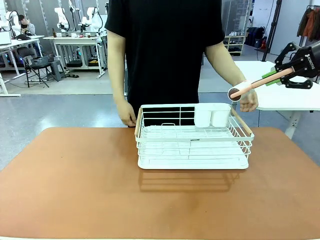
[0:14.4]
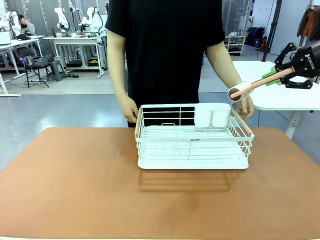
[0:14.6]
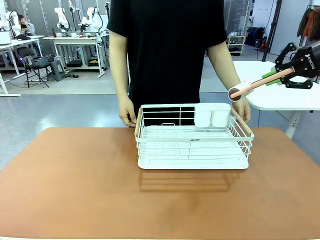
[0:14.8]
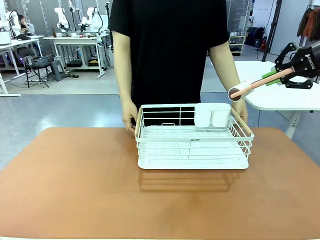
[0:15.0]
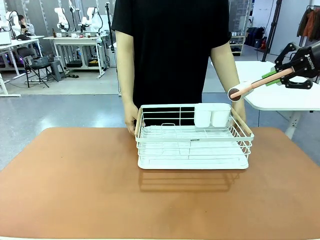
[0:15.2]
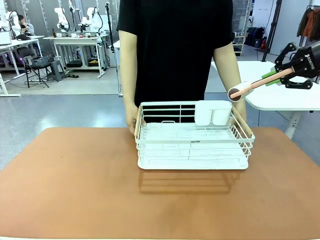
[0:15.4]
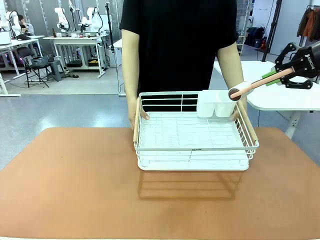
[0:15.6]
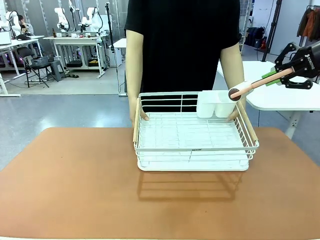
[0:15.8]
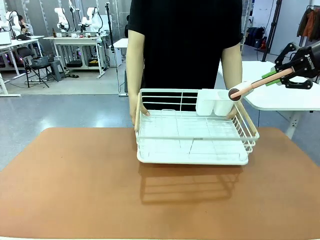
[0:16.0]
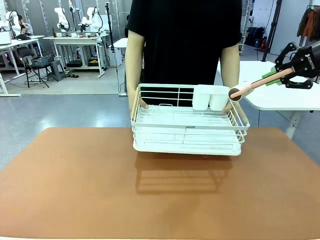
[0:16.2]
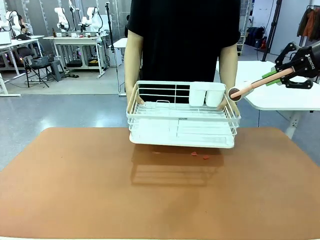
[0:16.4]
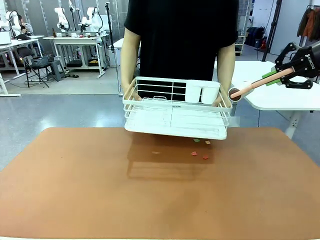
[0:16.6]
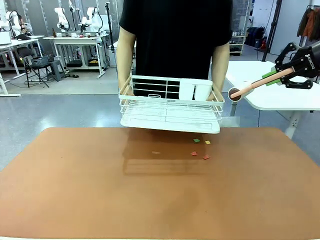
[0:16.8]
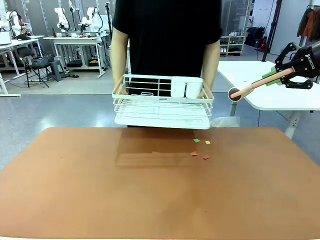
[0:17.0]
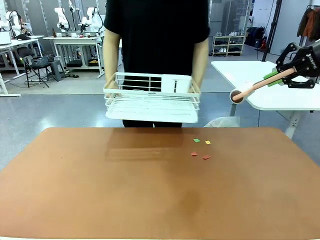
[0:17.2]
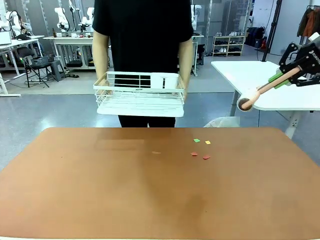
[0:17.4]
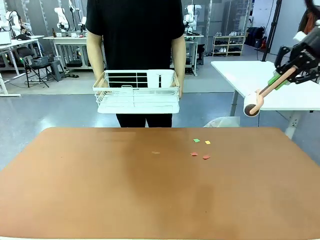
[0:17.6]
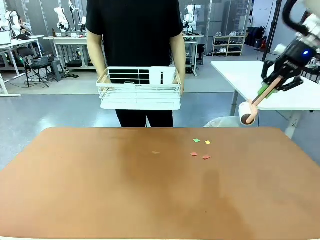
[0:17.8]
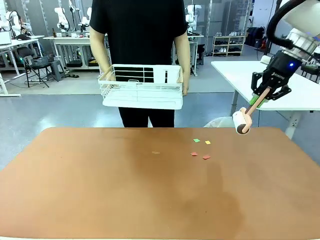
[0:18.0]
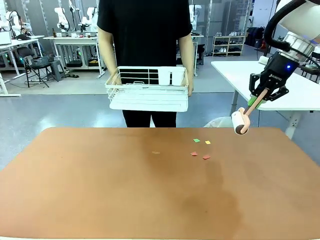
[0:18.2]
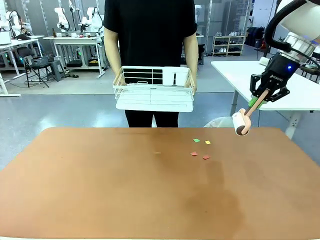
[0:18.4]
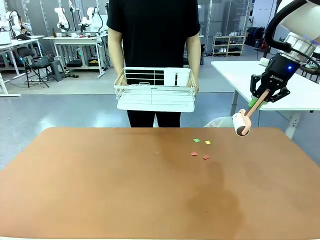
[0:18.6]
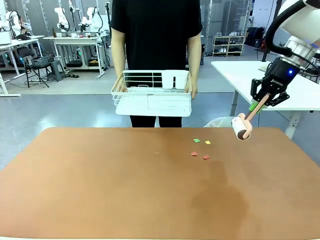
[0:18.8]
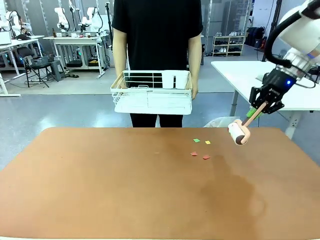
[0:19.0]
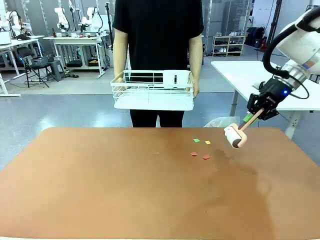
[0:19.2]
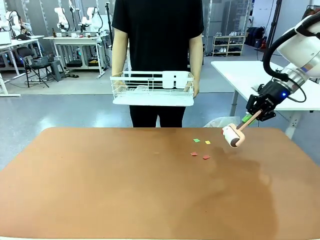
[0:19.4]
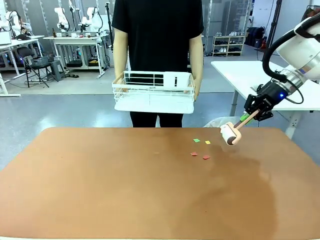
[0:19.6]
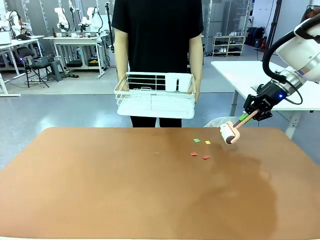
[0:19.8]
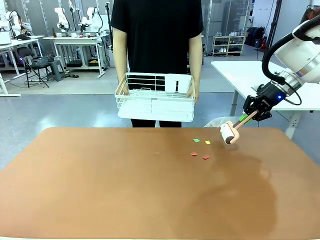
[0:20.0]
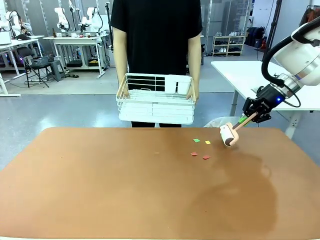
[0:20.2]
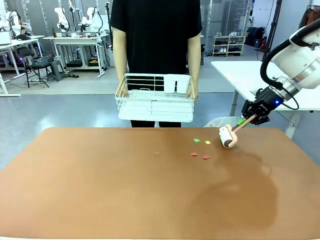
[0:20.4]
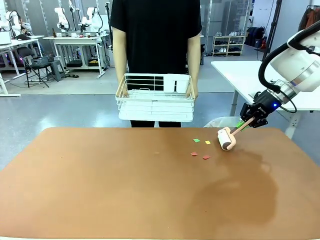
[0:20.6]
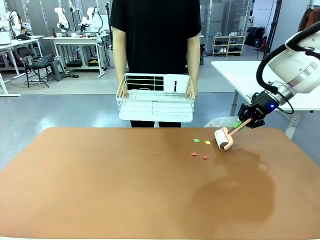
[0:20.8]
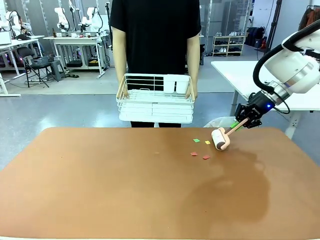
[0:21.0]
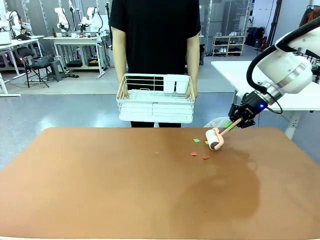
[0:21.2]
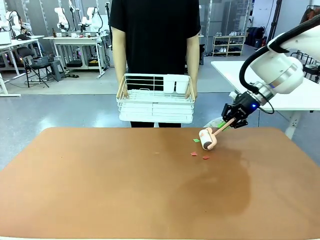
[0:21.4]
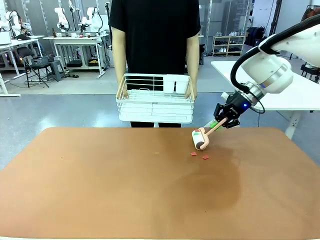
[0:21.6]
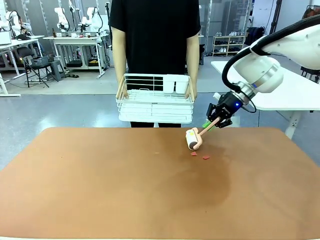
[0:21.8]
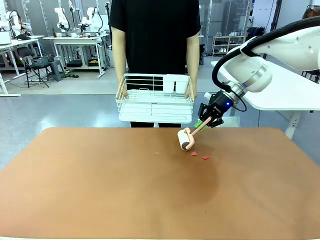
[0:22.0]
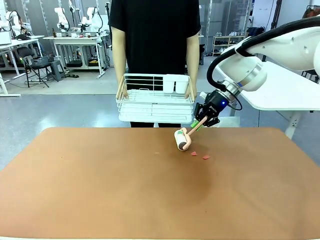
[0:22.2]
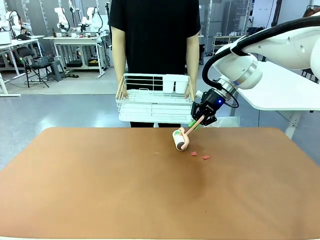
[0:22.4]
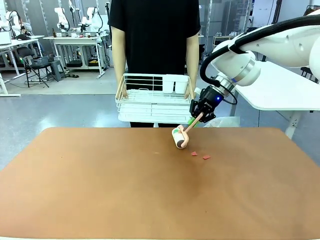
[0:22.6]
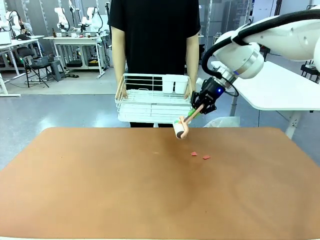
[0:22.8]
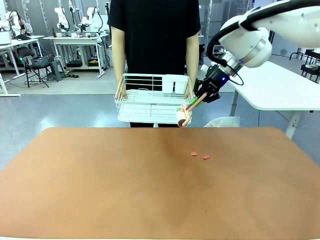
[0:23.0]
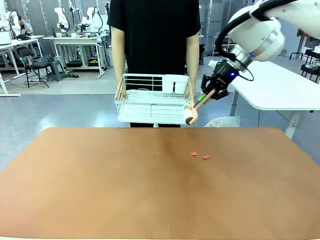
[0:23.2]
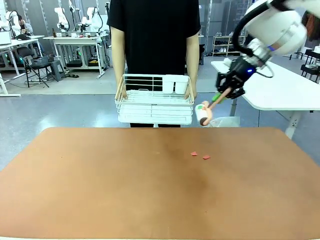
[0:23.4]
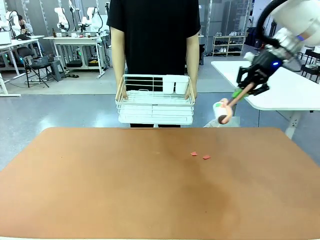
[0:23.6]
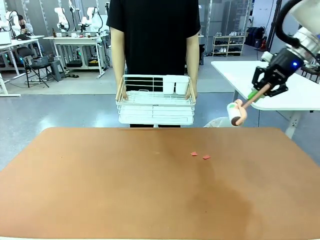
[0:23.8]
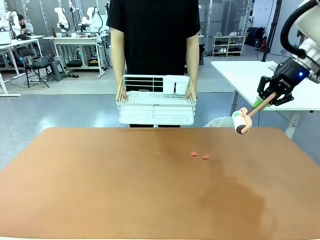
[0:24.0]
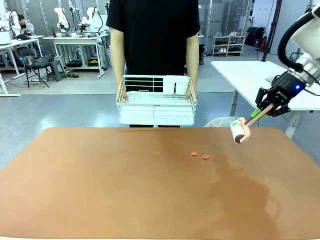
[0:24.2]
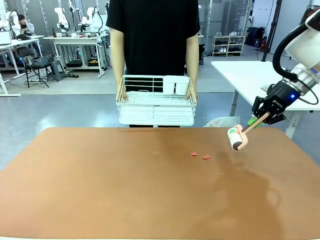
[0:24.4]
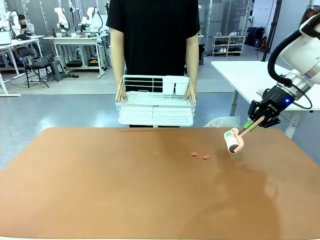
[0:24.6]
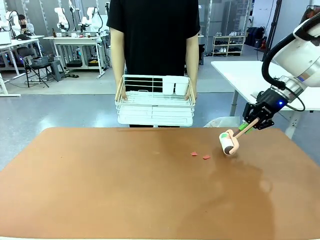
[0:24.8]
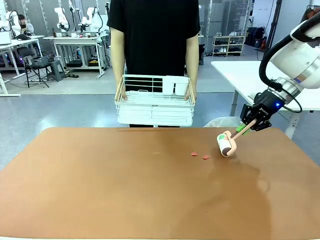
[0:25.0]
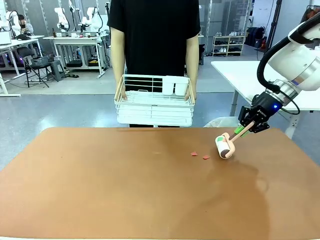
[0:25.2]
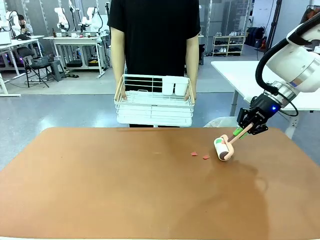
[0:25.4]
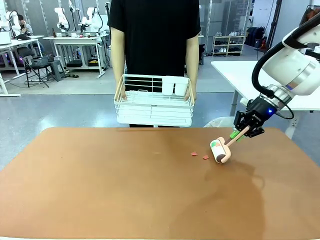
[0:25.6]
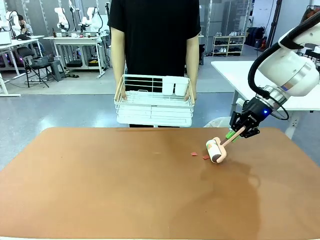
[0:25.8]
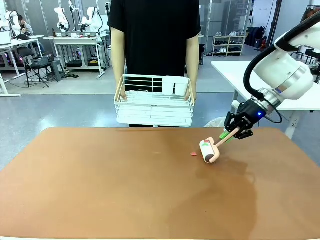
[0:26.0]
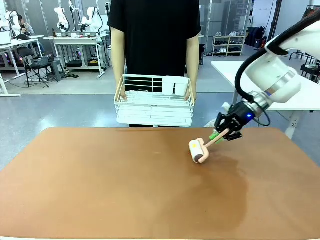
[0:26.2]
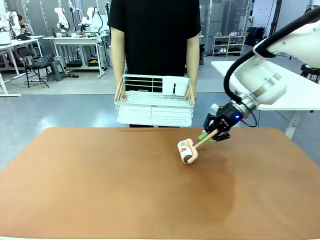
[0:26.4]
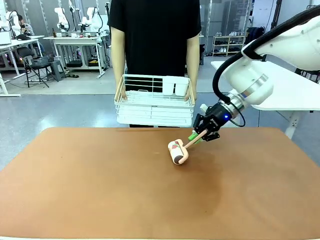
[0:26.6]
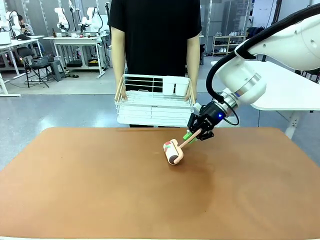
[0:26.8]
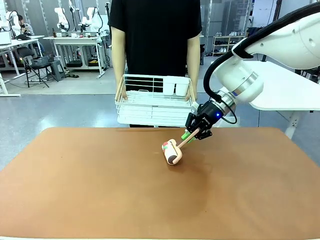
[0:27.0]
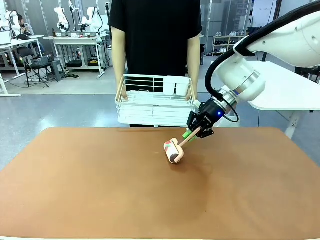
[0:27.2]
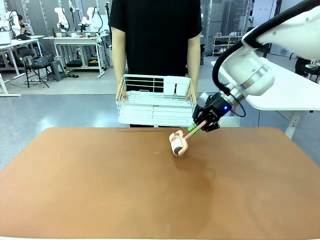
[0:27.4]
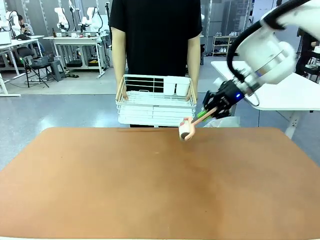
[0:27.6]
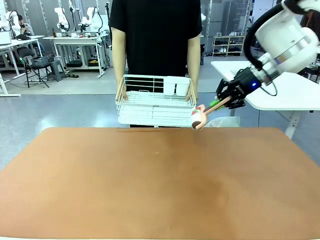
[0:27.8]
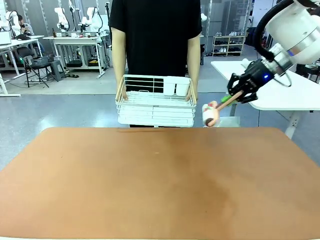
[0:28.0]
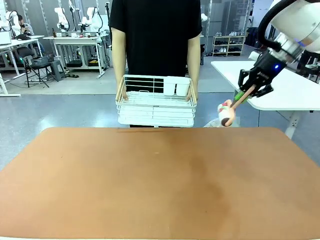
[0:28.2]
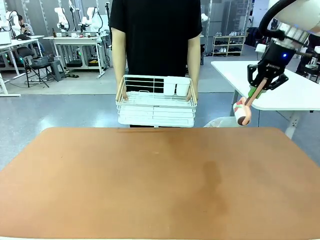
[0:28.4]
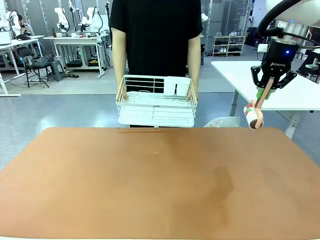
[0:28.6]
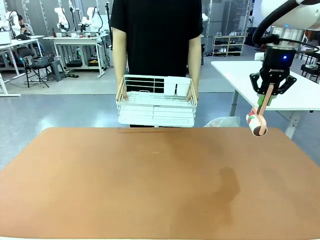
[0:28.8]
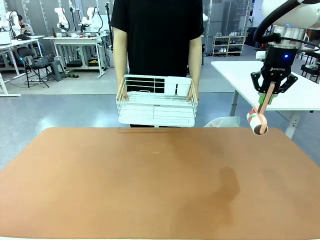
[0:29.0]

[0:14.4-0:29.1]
Task: Clean the table.
Robot: Clean the table with the Lint Roller when the human lifts the Dish drying rack.
Person: Place the Dish drying rack down when the robot finishes cleaning.

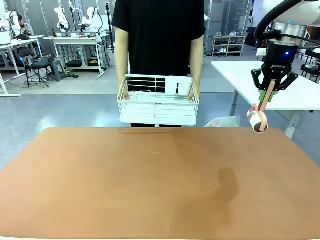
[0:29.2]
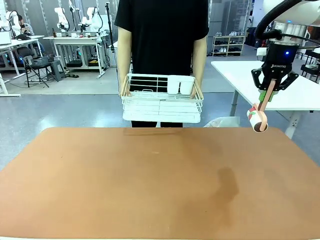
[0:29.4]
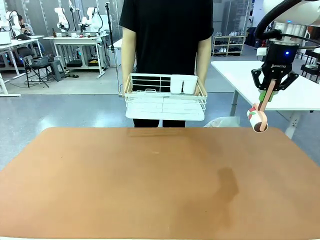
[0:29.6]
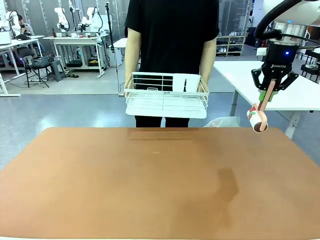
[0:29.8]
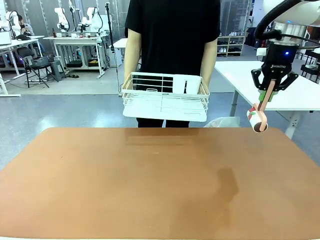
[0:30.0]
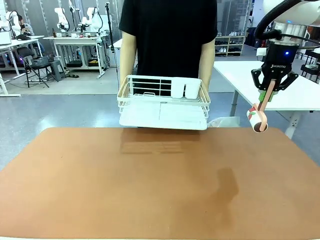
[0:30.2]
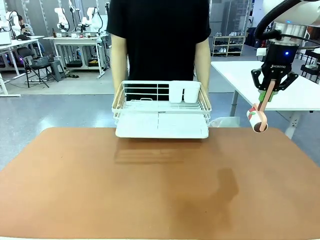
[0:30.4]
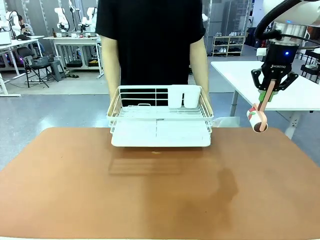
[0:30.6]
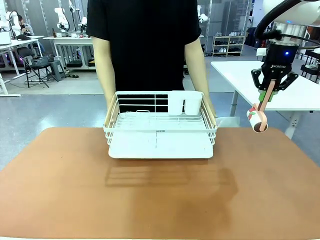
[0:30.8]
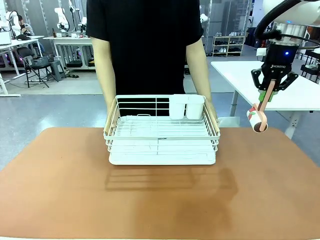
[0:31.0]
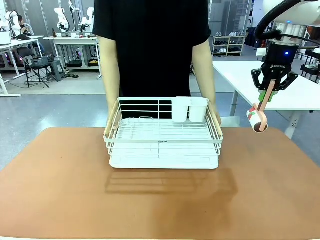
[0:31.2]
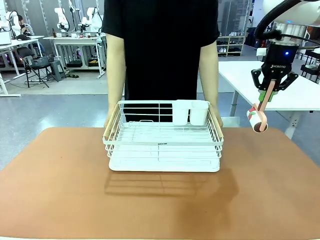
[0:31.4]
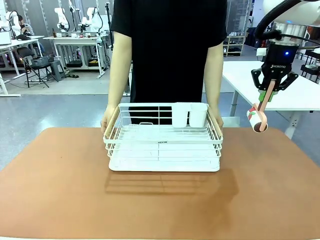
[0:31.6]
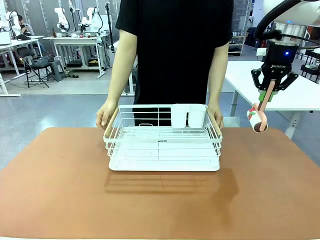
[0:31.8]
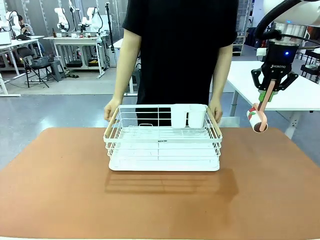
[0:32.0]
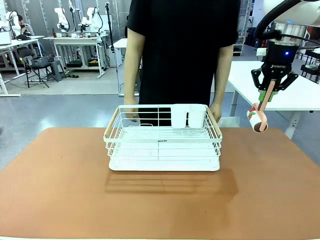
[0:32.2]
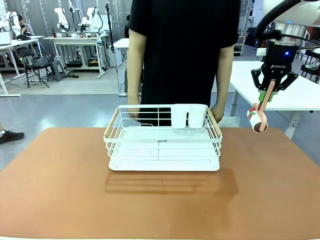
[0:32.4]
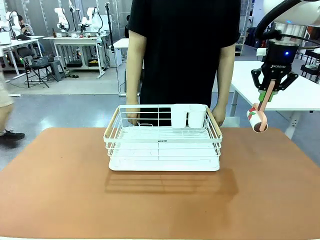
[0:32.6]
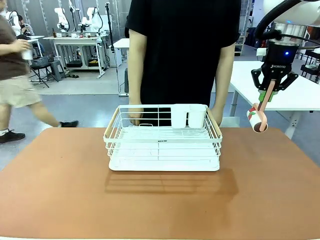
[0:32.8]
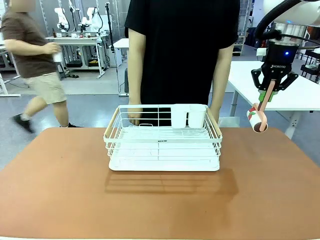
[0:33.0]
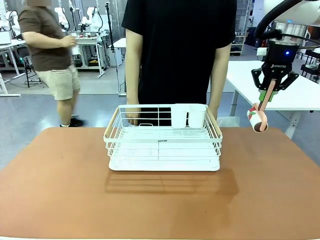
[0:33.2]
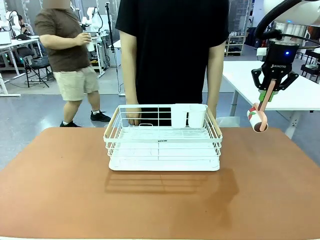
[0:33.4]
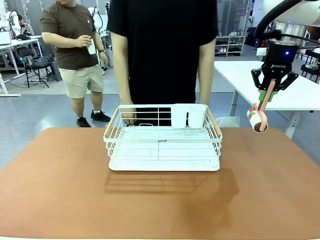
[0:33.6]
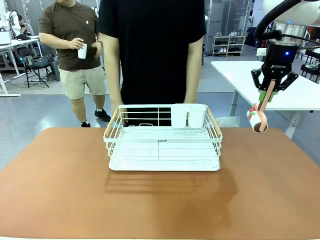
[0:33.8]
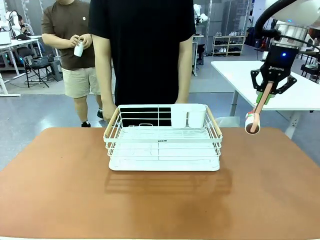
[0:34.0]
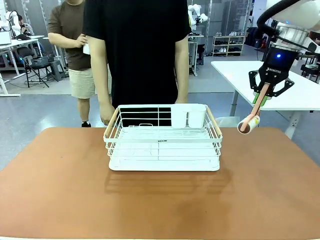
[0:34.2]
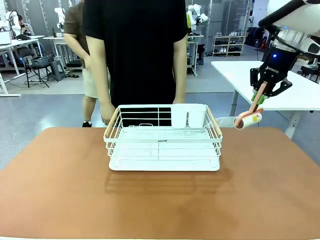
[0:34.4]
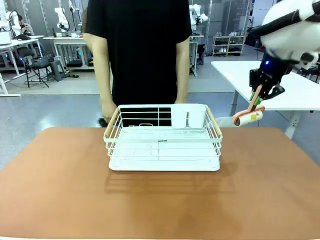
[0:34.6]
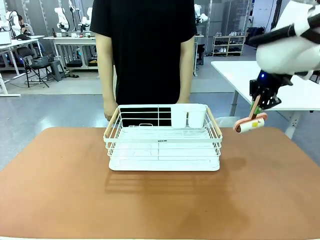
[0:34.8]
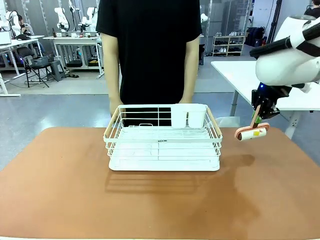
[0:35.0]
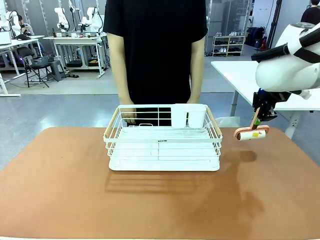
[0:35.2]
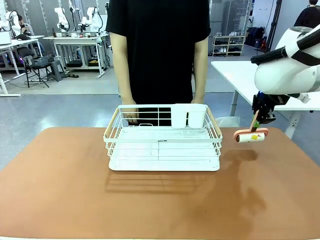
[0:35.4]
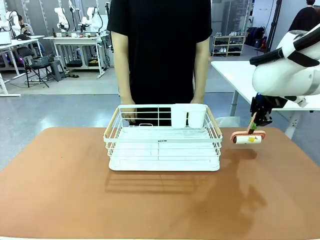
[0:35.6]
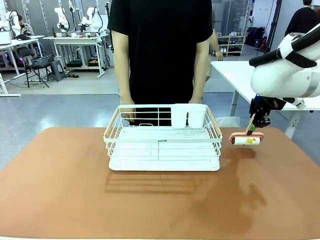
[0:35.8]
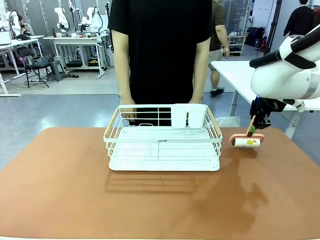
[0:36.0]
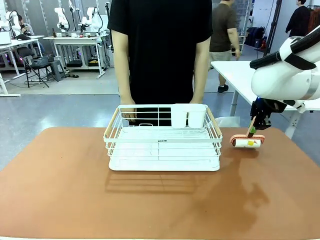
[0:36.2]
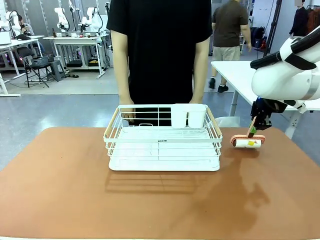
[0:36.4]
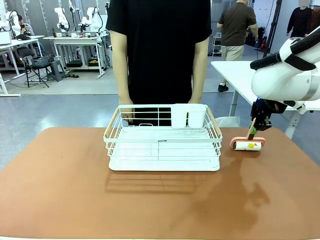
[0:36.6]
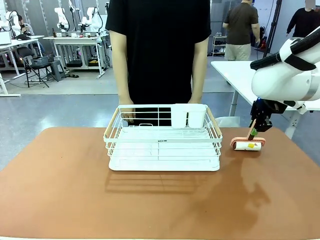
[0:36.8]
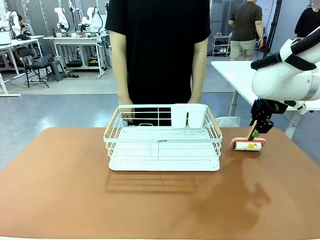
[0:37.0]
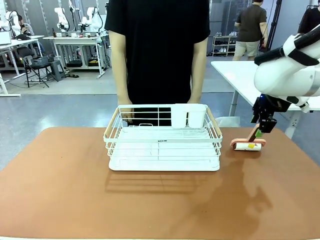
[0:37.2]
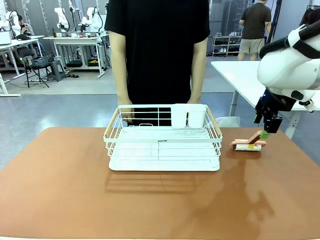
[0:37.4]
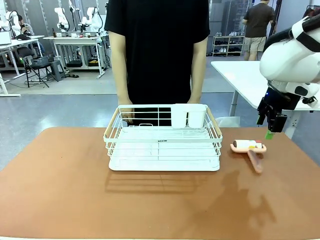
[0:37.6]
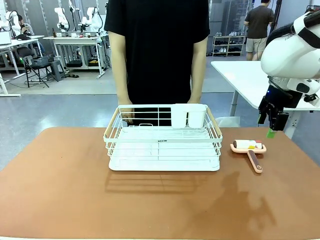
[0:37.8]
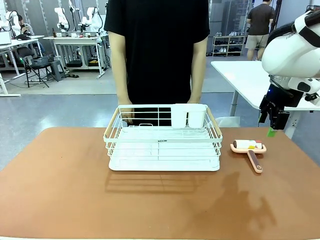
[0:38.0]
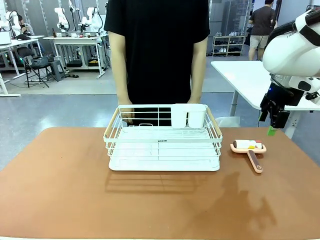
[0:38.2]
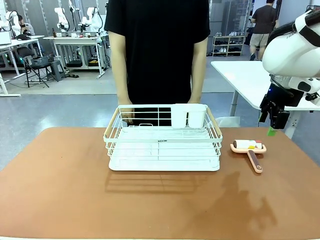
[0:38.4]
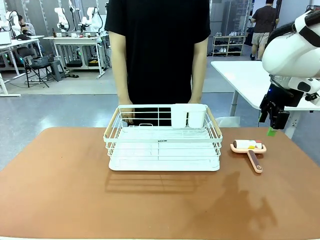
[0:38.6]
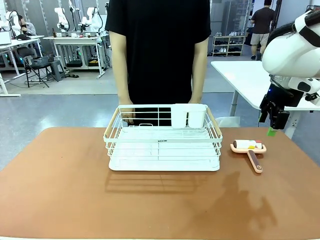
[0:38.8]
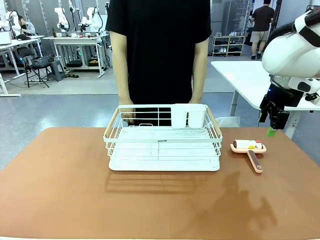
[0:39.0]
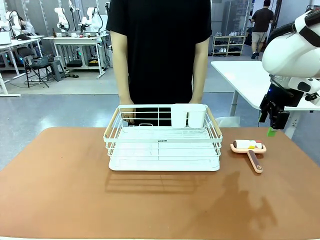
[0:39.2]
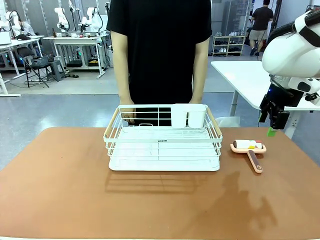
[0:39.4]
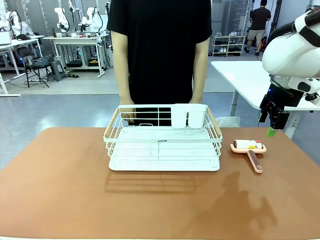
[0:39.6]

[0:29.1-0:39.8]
Robot: Place the Lint Roller down when the Dish drying rack is positioned in the middle of the table.
